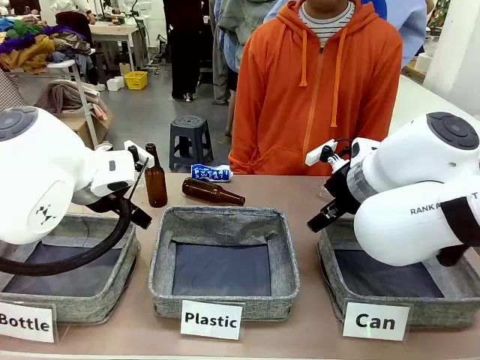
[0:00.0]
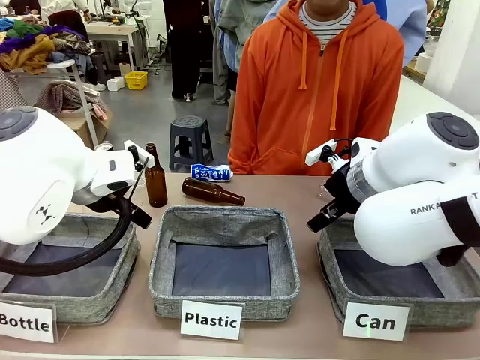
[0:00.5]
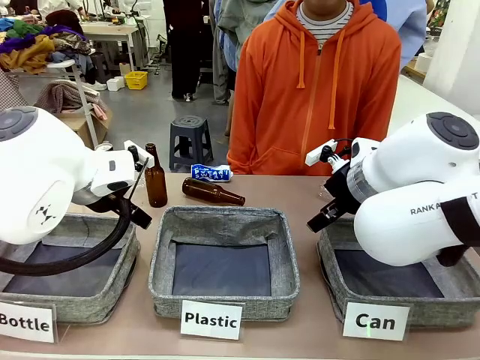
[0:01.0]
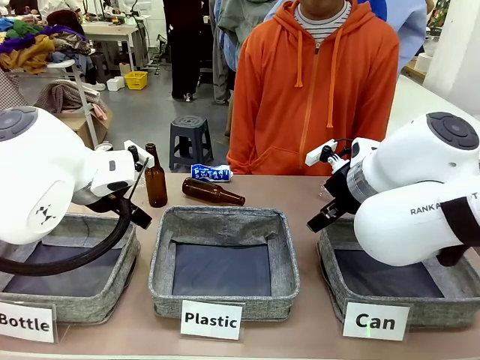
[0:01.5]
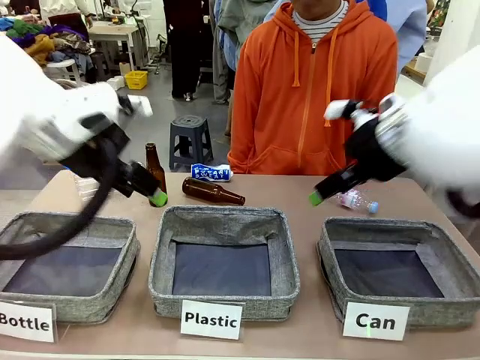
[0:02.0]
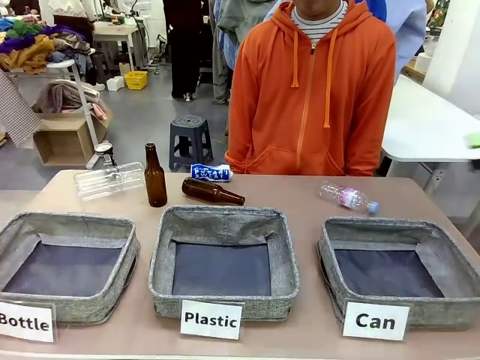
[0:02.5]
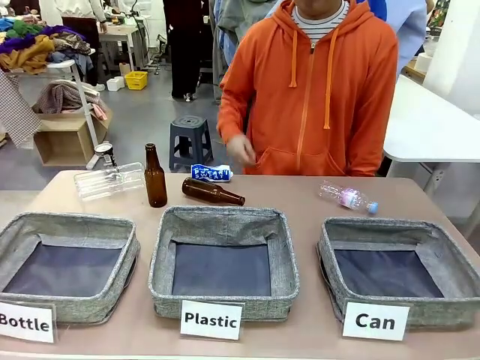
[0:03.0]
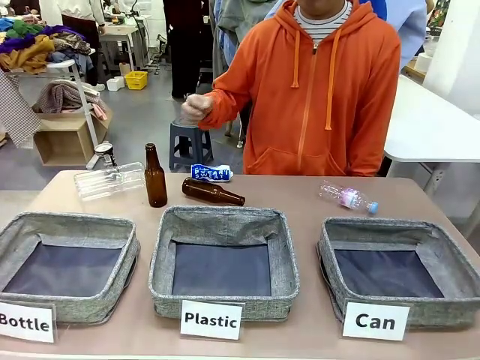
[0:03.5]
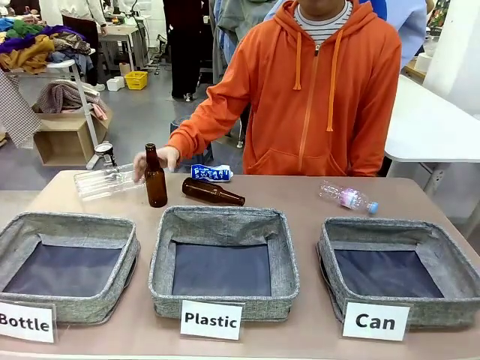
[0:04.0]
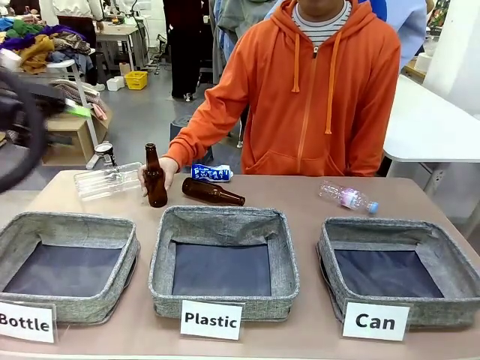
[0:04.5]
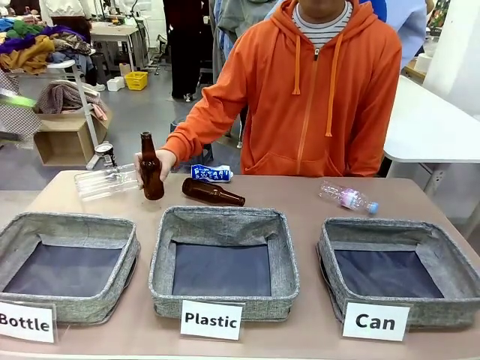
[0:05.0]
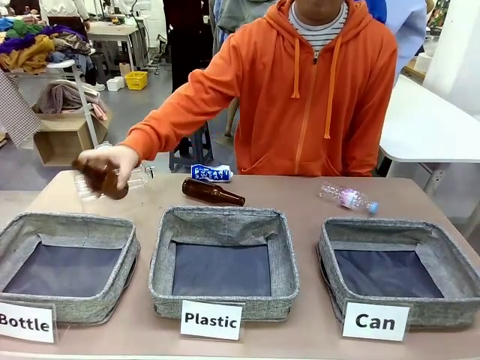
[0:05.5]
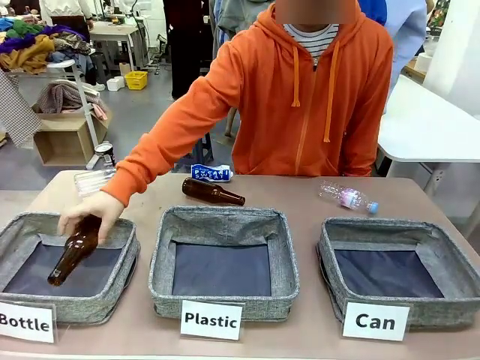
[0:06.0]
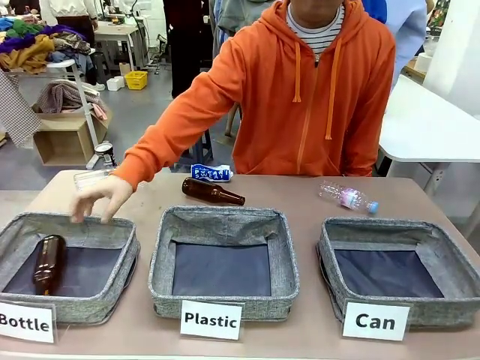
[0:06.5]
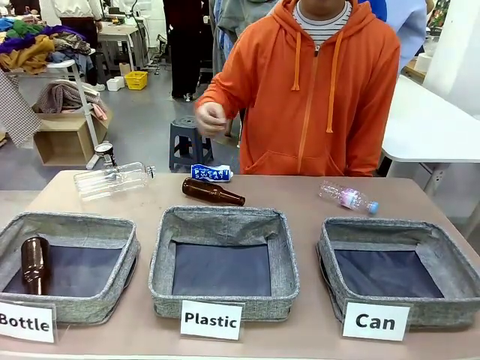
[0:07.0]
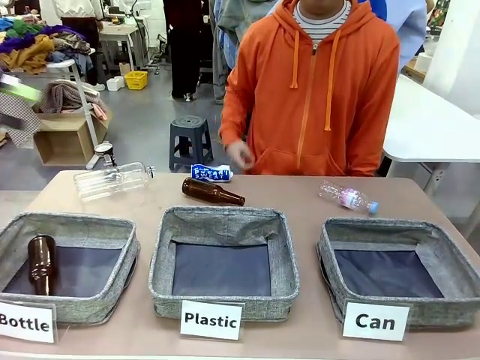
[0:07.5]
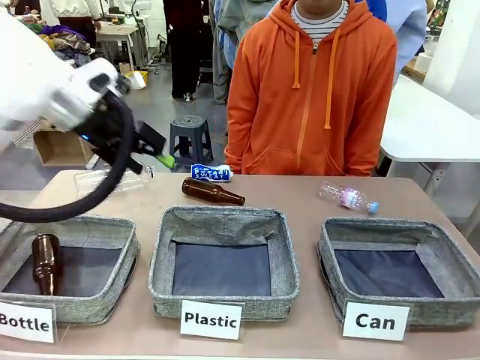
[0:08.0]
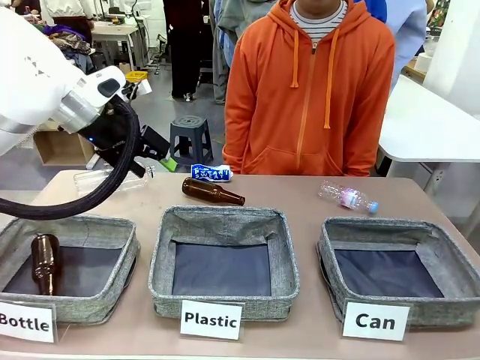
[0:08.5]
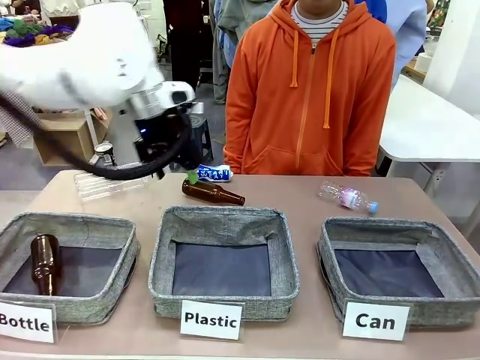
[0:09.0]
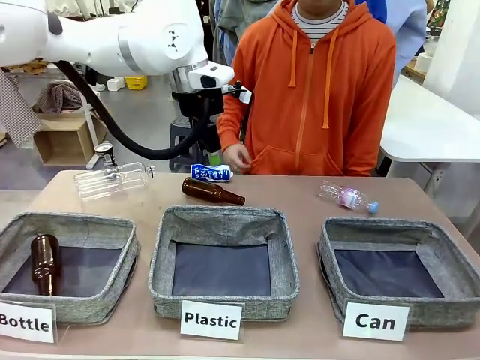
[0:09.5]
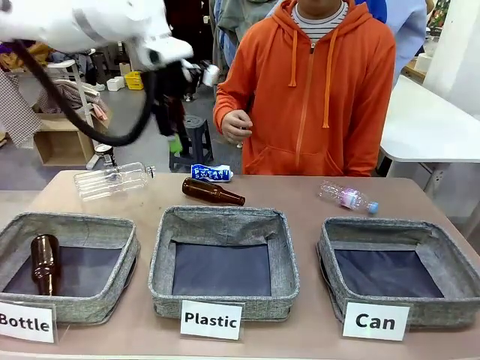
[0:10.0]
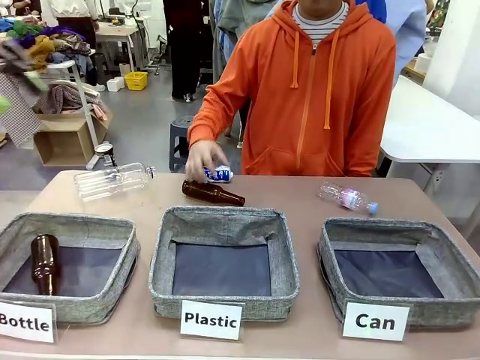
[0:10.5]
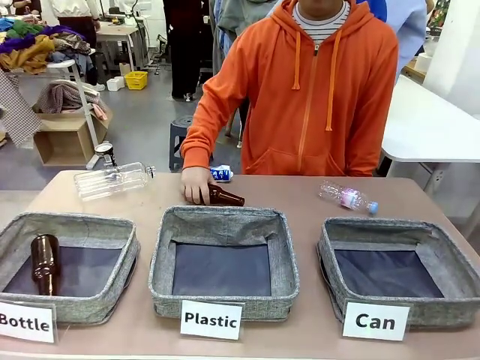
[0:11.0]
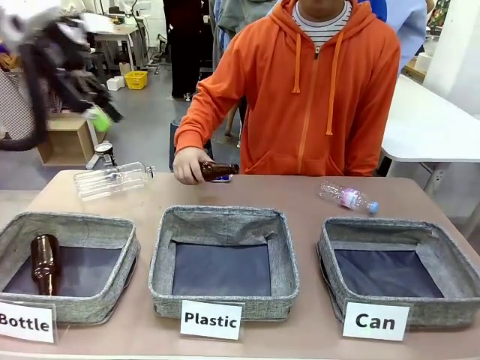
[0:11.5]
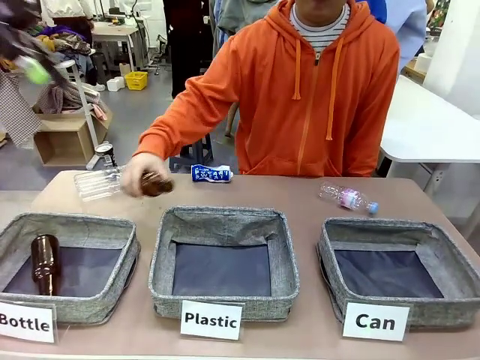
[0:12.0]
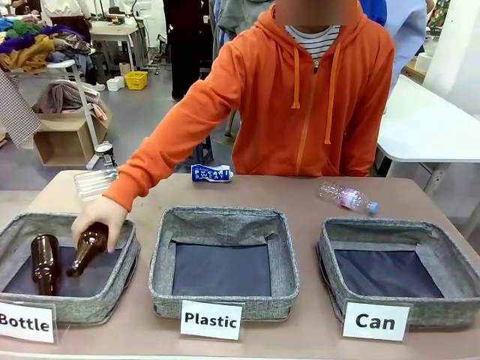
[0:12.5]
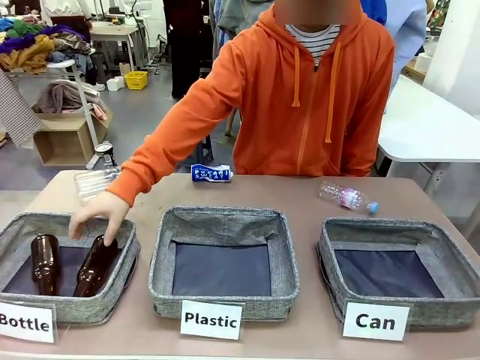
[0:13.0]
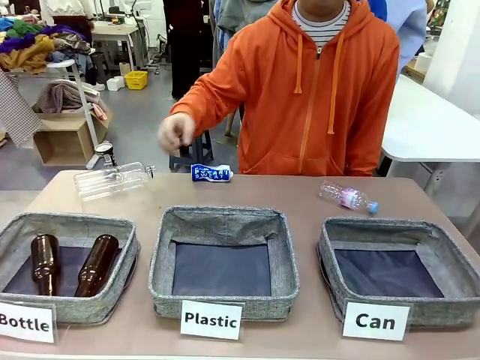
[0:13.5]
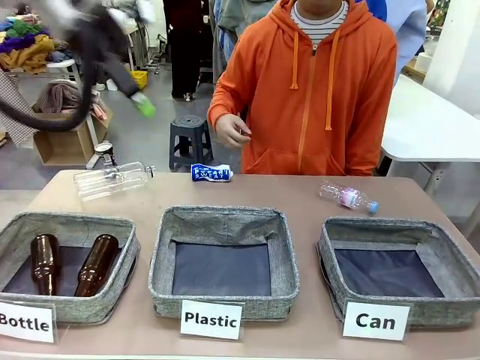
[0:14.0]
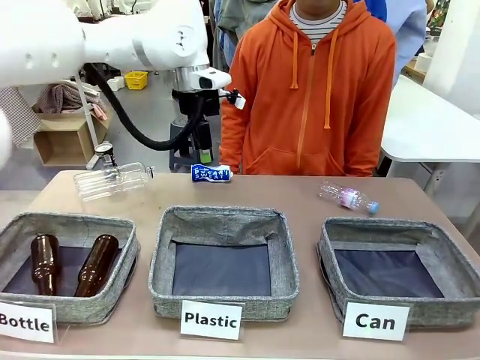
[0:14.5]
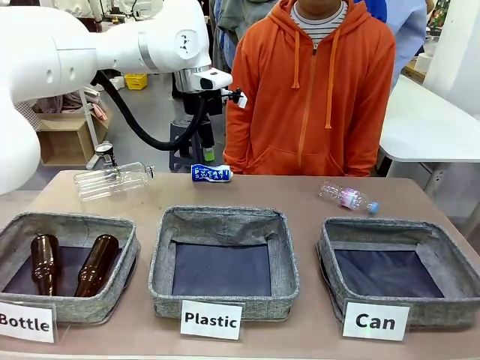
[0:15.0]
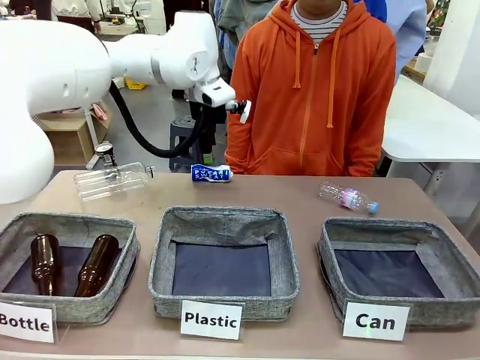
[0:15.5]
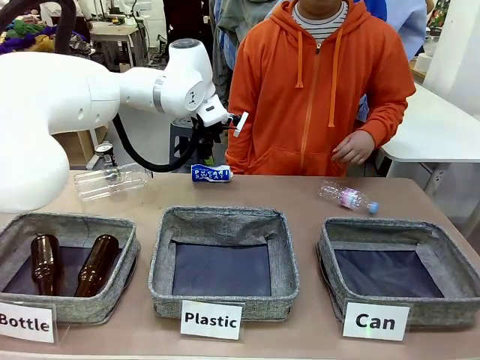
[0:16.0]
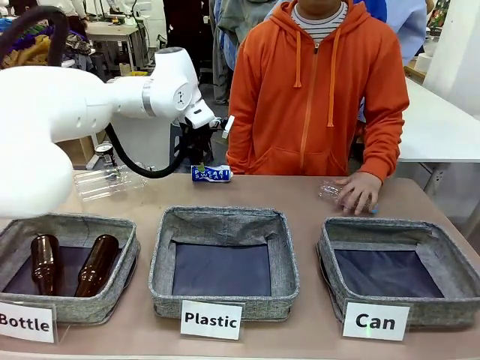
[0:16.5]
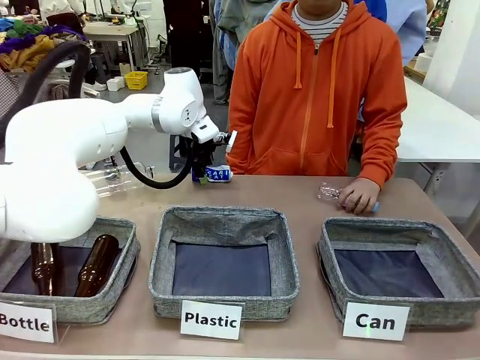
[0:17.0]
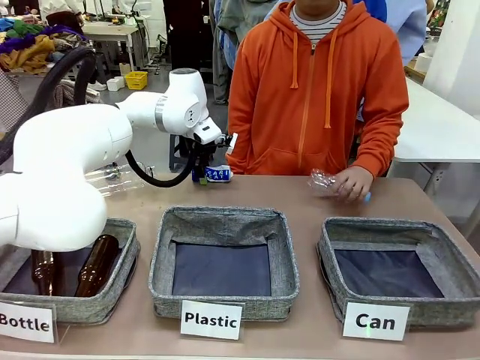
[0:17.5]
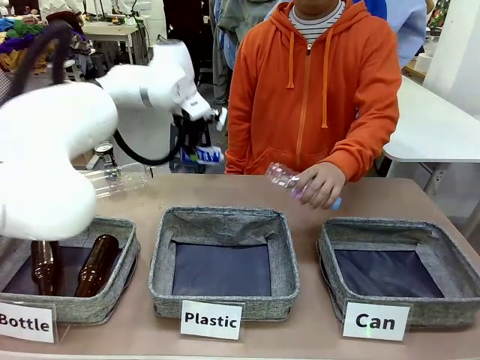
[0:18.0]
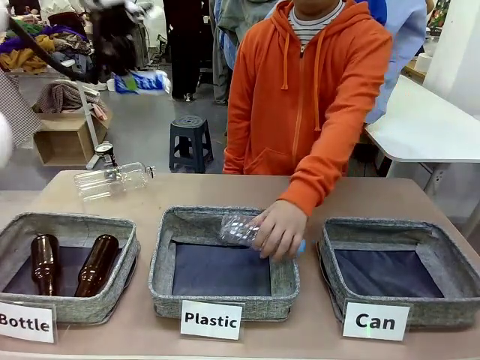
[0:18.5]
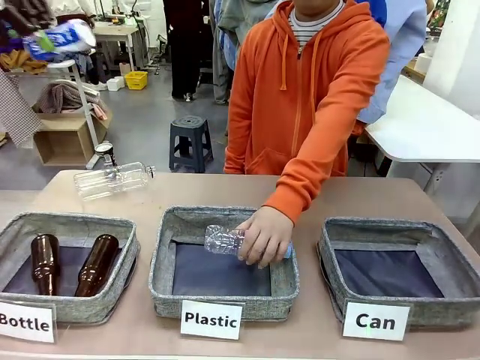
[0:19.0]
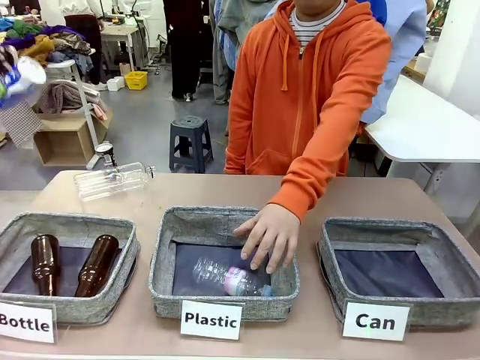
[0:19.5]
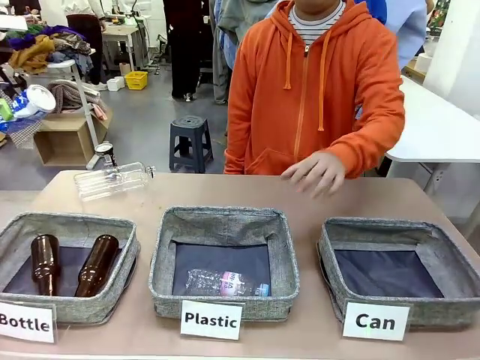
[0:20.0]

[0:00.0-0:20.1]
Task: Sort the can waste into the basket.
Robot: Pick up the can waste from the table and place it in the right Fabric basket.
